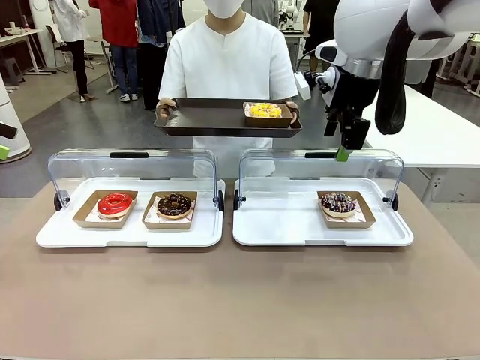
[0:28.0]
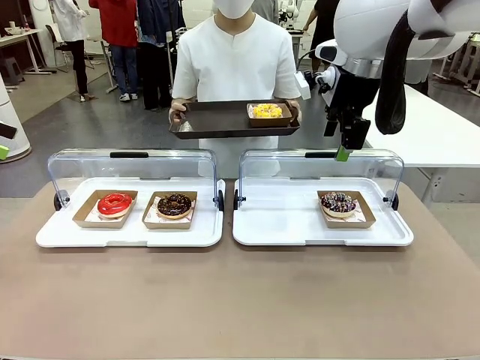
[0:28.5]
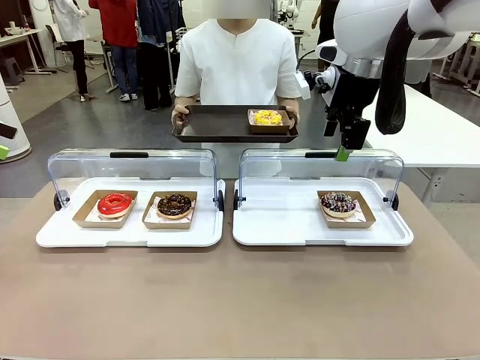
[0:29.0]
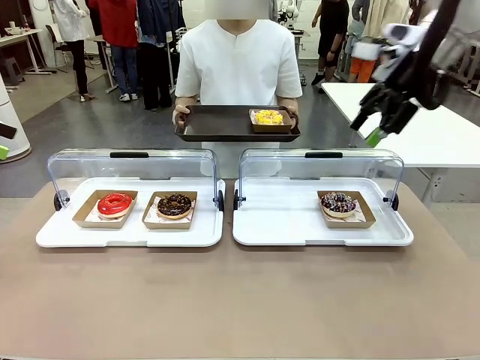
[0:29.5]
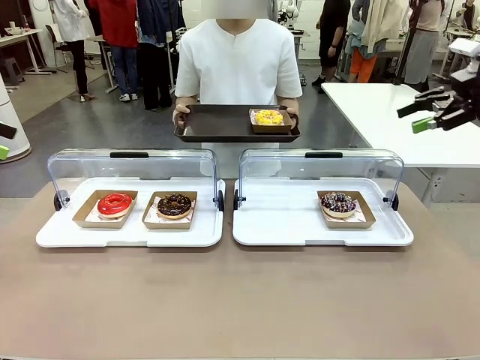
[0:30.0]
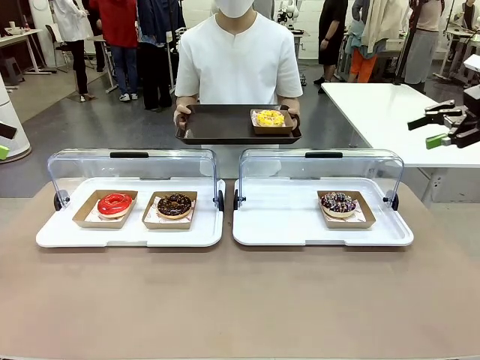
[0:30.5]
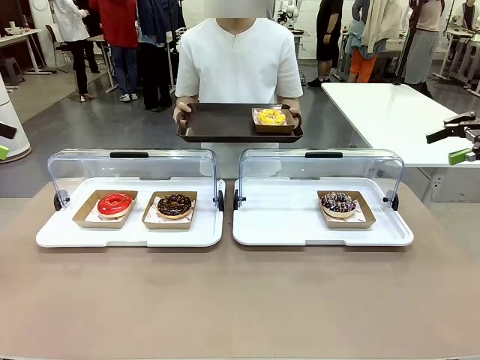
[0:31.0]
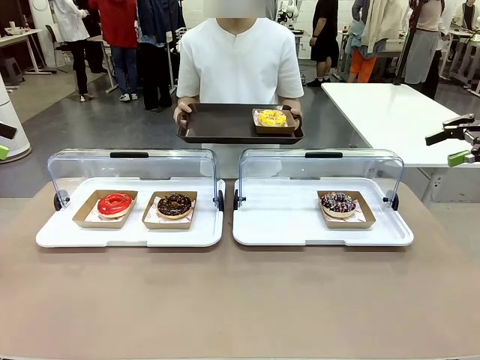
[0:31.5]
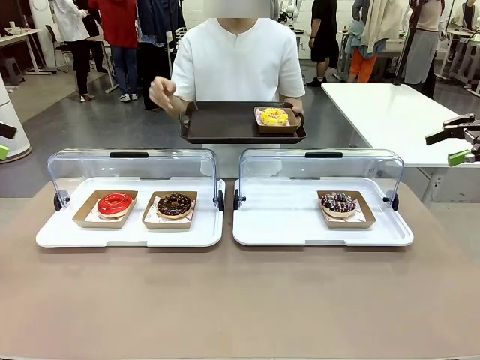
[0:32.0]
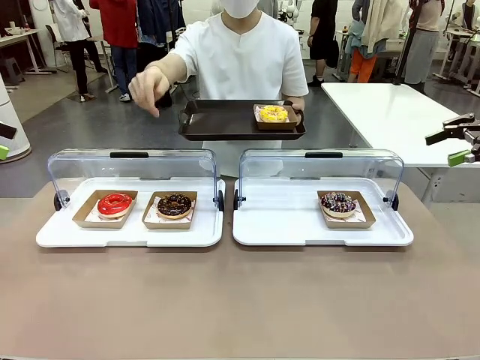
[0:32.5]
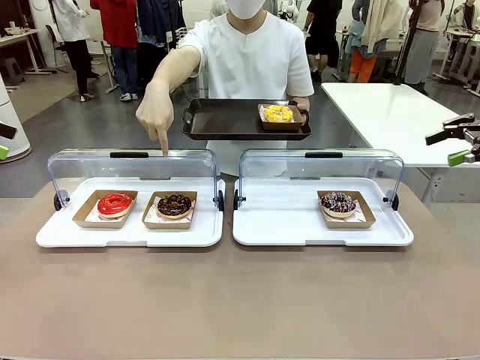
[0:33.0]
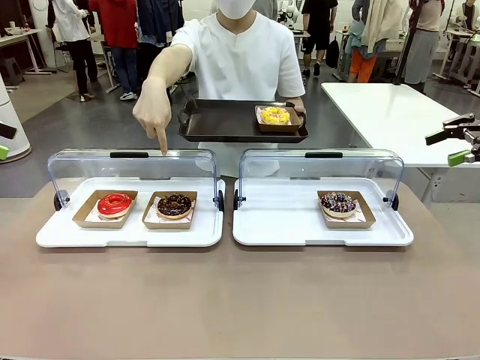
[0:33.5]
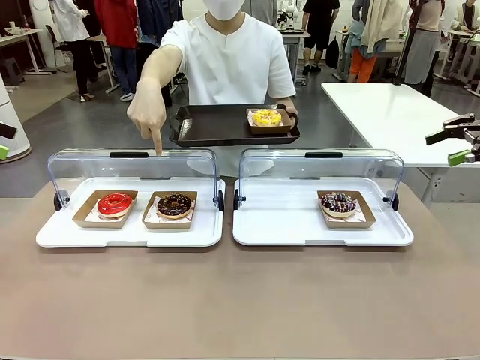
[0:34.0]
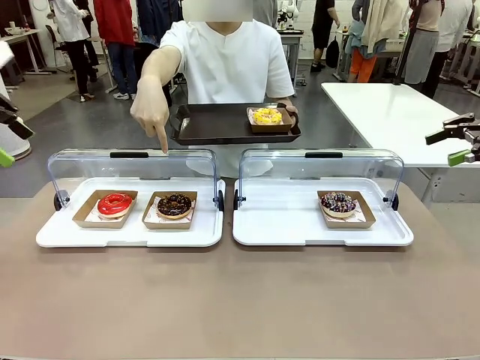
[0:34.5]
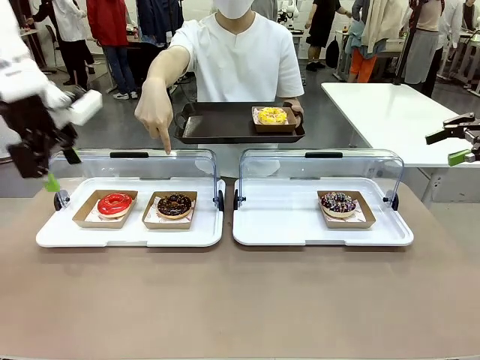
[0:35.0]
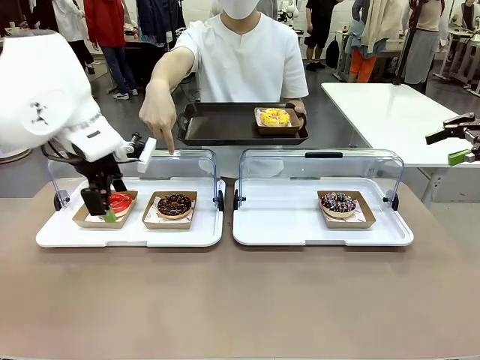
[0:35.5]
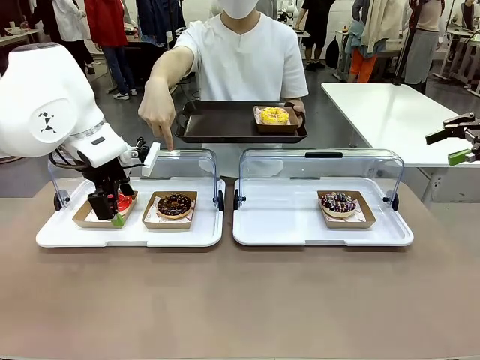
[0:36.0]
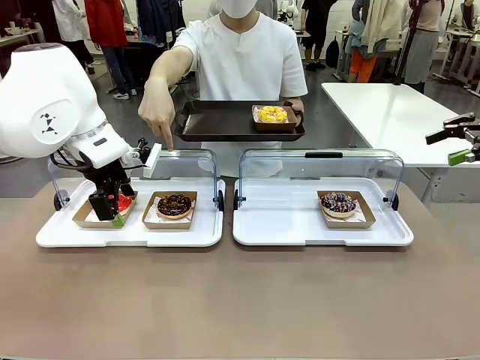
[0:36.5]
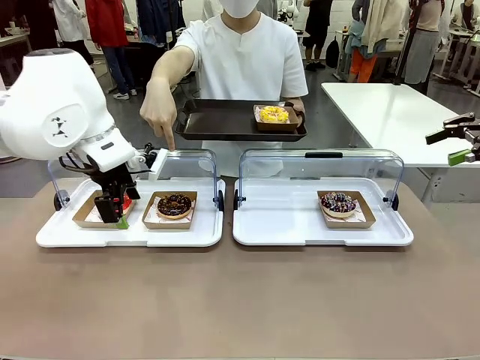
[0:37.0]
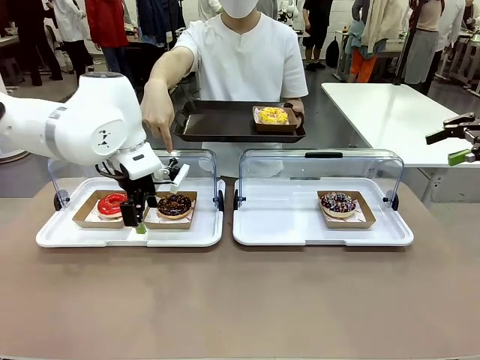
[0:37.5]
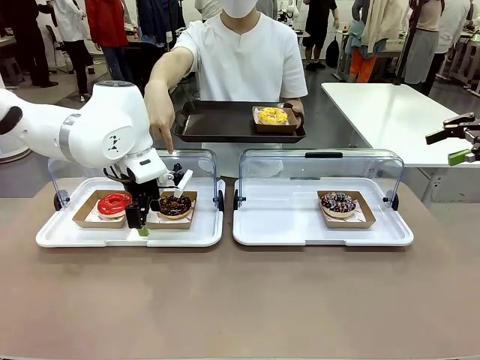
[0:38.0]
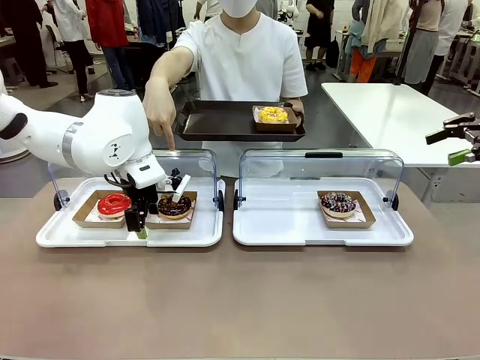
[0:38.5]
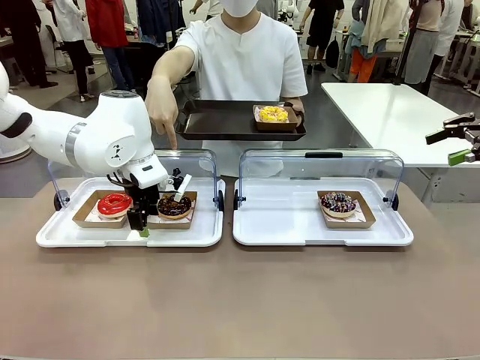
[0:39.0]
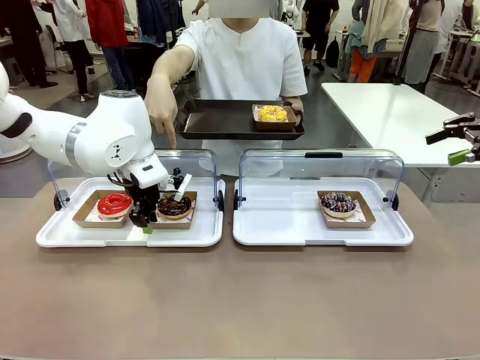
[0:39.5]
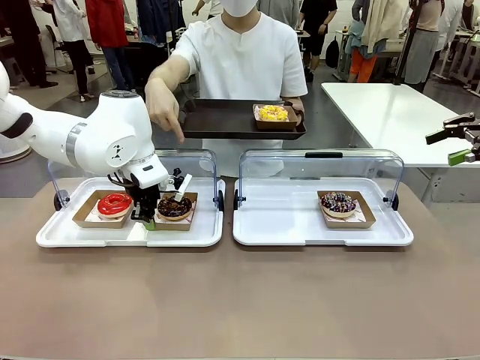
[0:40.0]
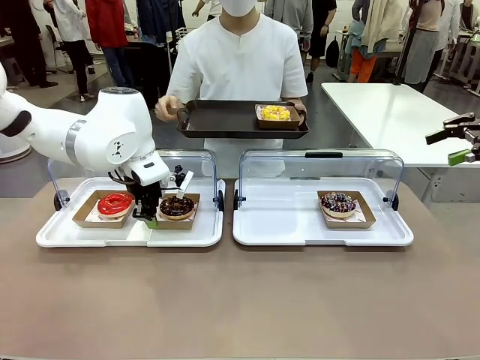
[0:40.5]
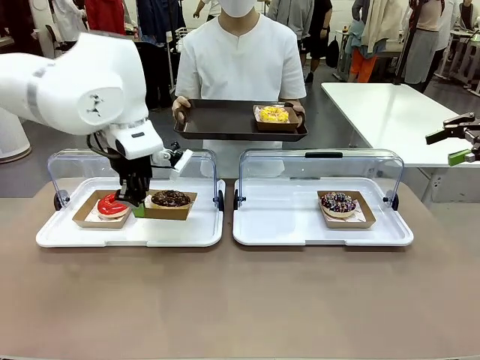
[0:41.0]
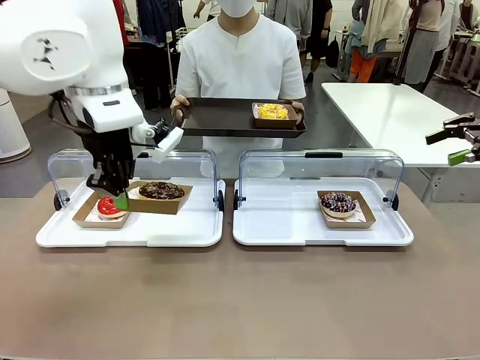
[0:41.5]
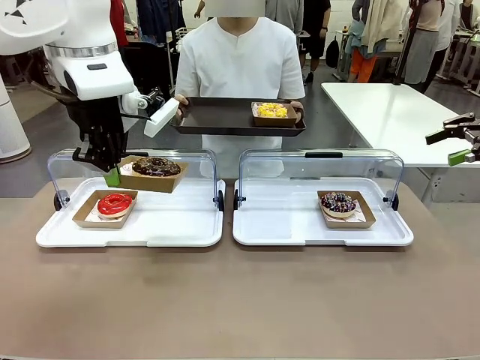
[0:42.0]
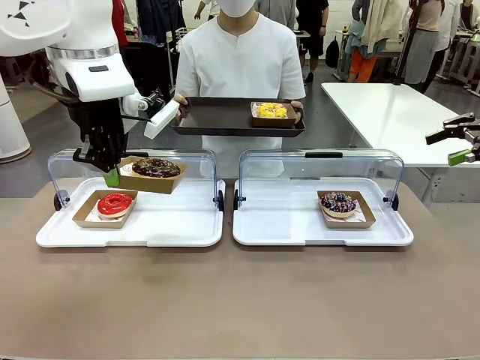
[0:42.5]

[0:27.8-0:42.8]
Task: Provide the desired donut to the person.
Robot: Pick up and lift the Paper togo box containing the Donut pointed at by the person.
Person: Point to one donut. Lift the tray onto the Roll-Top Bakery Case.

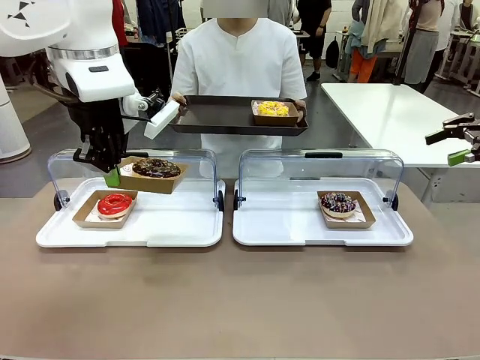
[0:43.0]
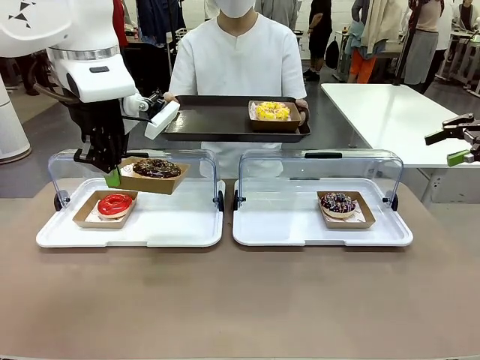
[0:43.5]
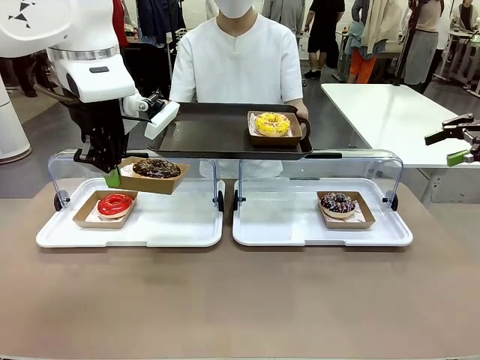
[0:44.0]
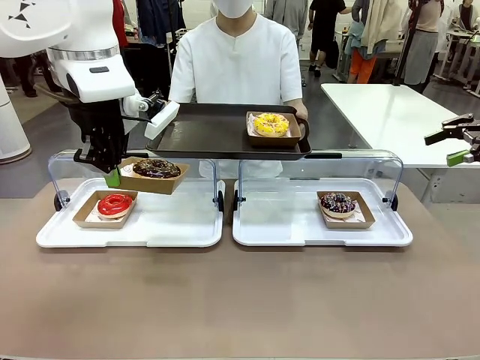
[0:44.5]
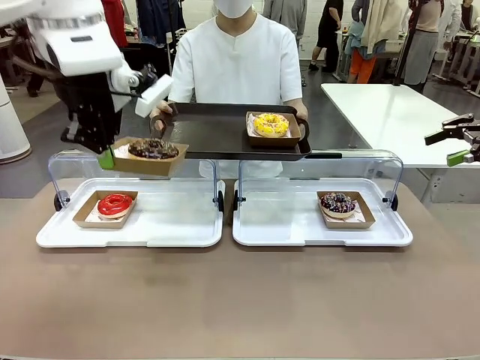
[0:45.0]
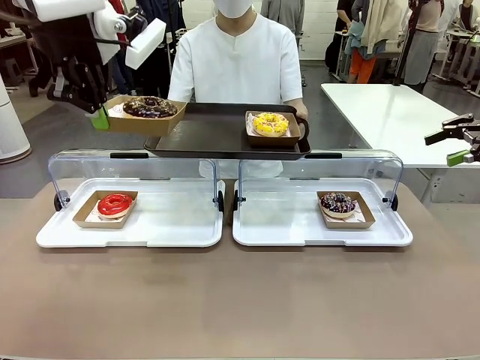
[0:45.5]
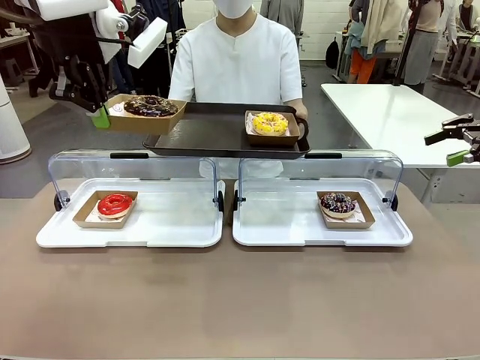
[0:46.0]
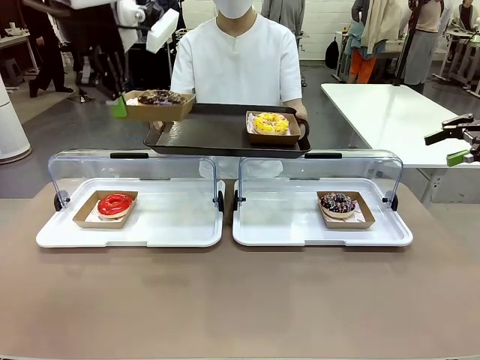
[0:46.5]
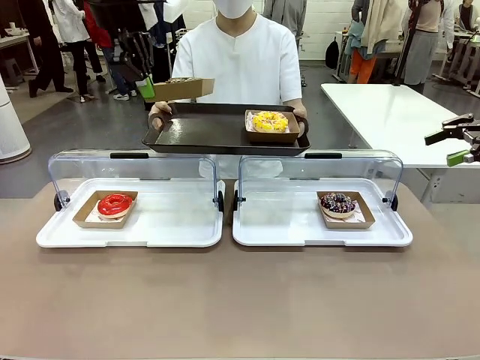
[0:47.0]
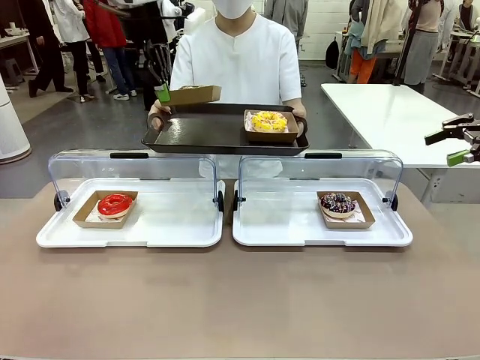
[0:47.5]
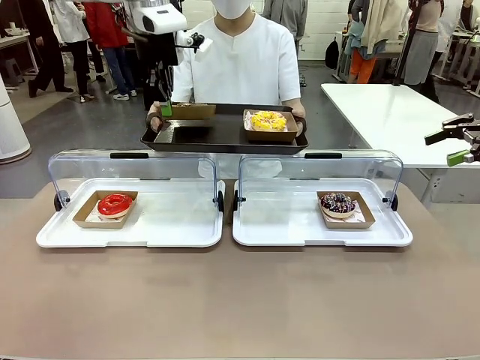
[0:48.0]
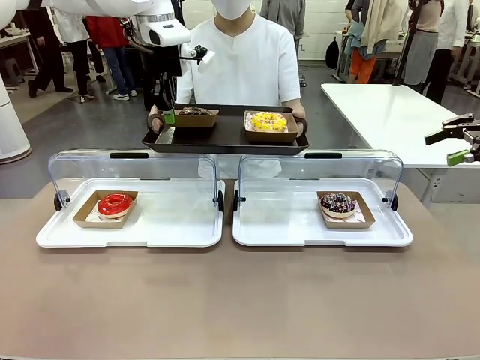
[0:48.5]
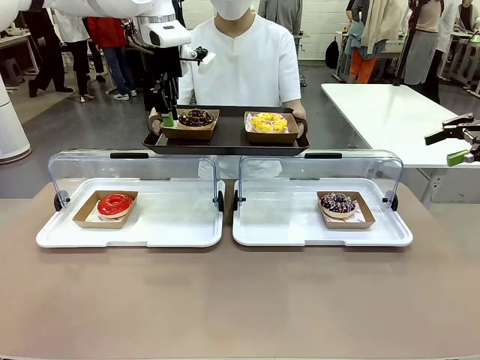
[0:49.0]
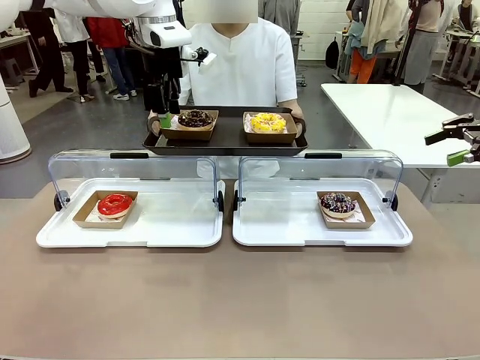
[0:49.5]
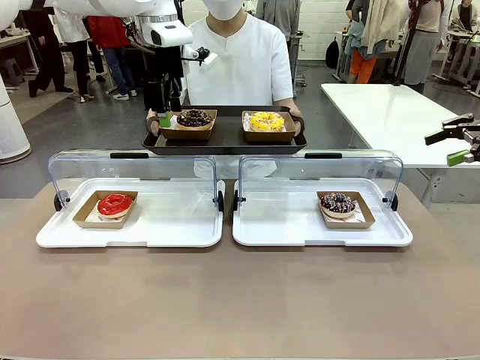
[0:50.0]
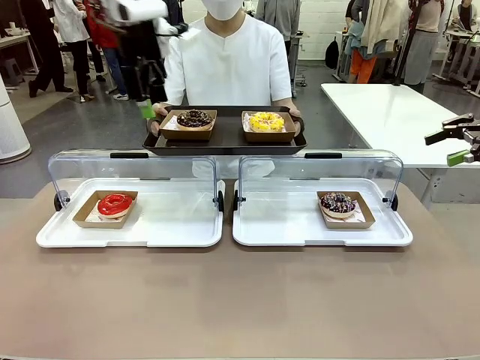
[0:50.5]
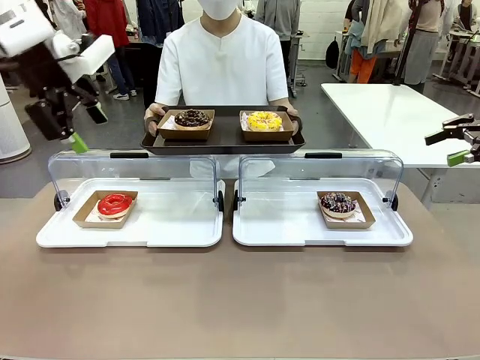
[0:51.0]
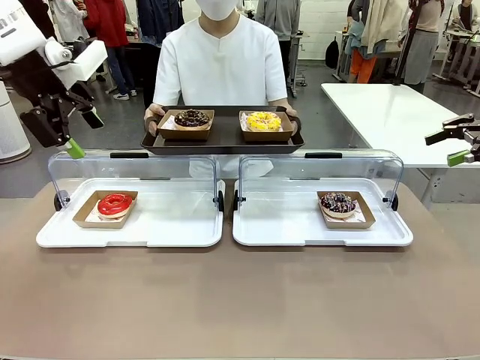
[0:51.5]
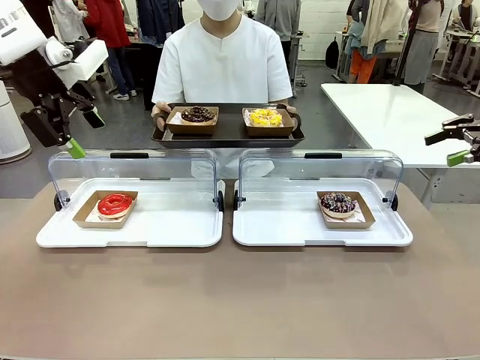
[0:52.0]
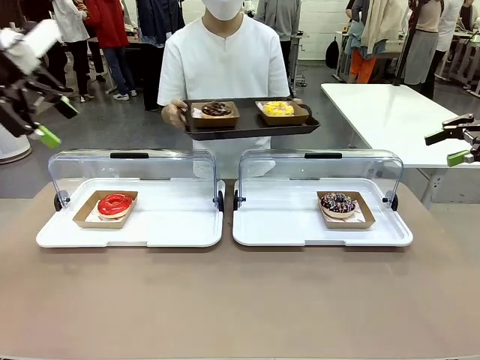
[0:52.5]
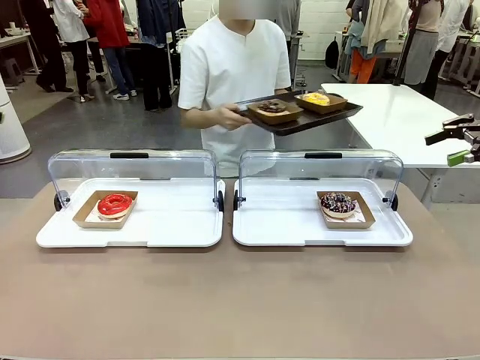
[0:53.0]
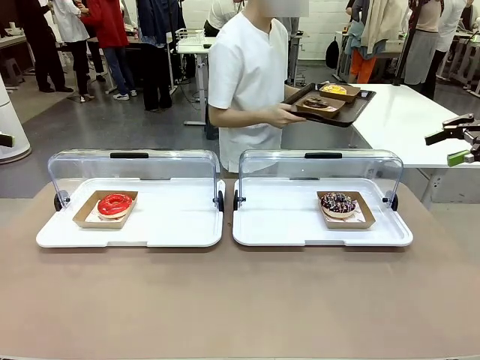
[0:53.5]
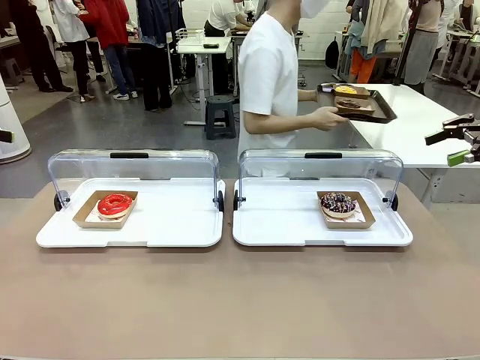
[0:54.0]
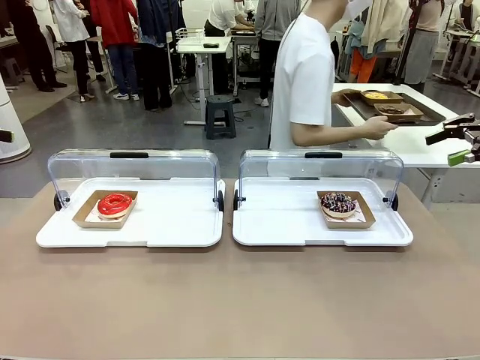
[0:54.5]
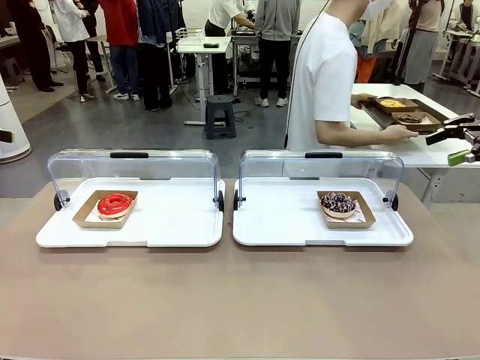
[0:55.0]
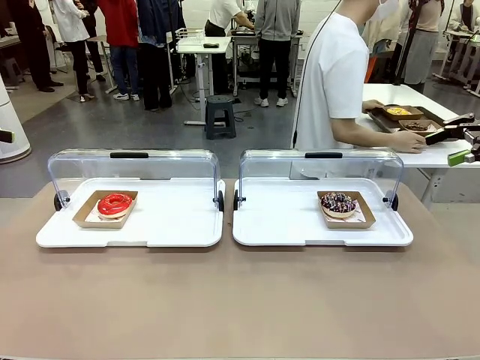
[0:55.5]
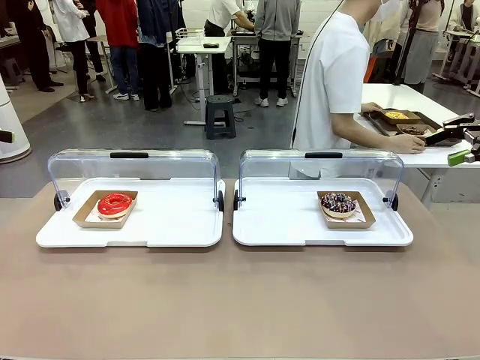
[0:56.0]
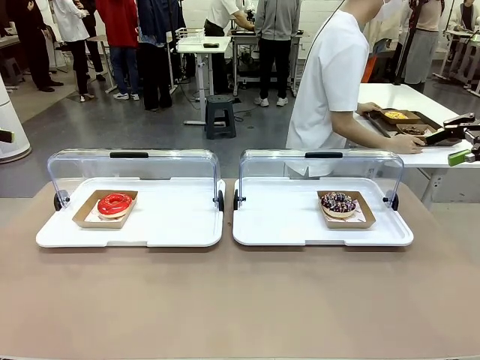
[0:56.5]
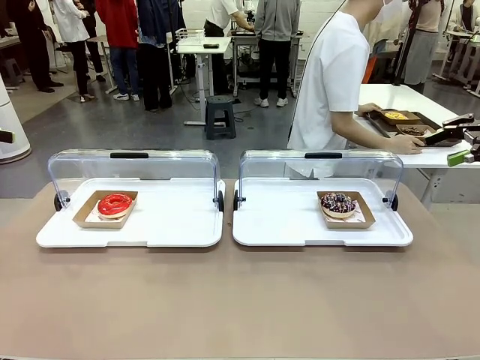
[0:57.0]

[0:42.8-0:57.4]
Robot: Place the picked Paper togo box onto the Handle tray extended by the person.
Person: Place the tray in the middle of the human table.
